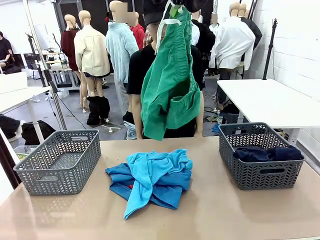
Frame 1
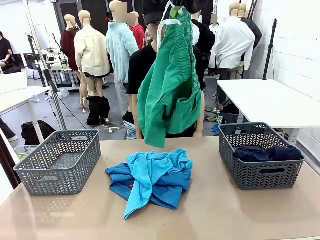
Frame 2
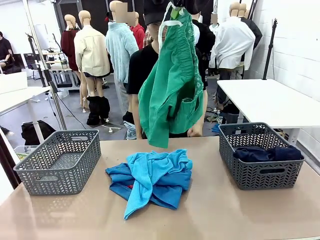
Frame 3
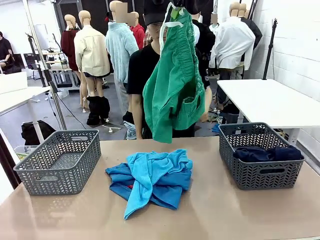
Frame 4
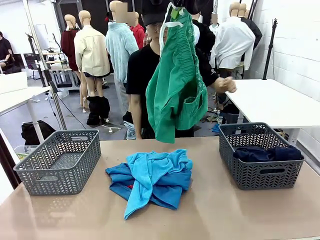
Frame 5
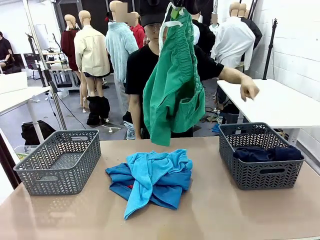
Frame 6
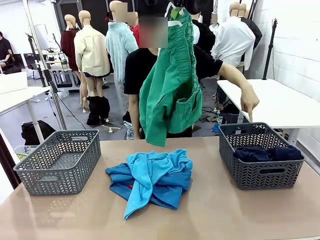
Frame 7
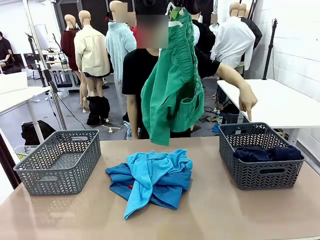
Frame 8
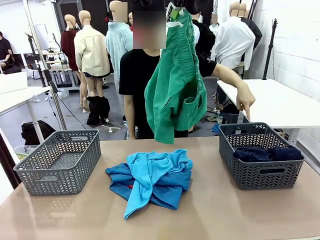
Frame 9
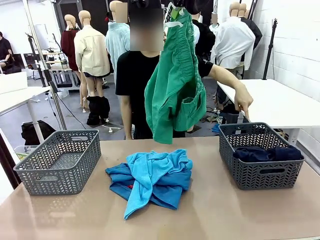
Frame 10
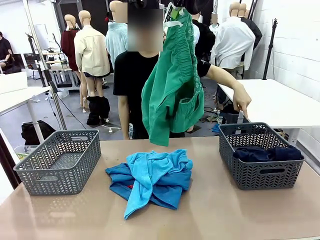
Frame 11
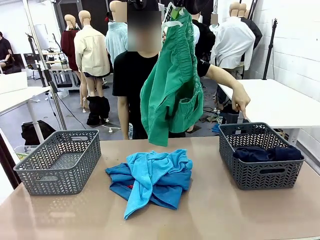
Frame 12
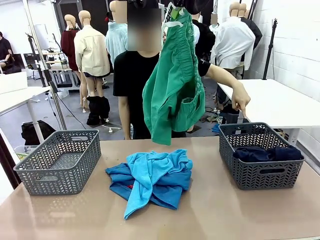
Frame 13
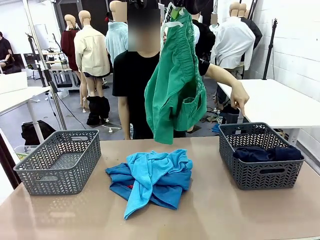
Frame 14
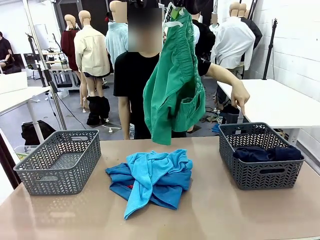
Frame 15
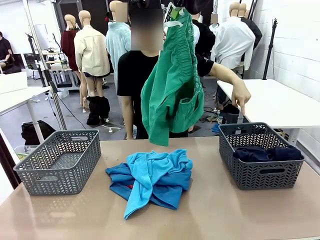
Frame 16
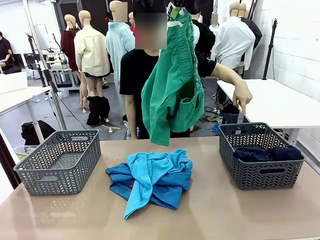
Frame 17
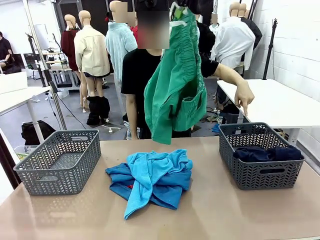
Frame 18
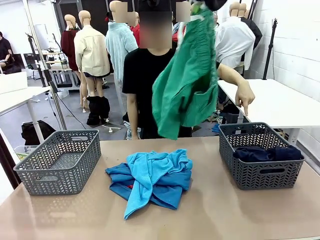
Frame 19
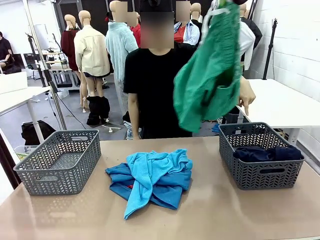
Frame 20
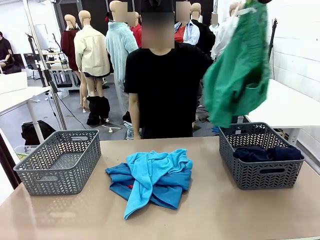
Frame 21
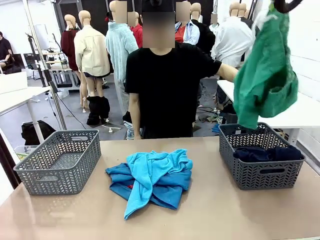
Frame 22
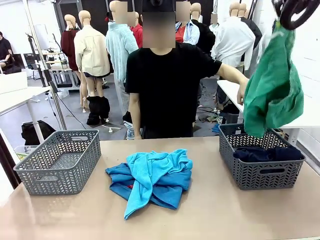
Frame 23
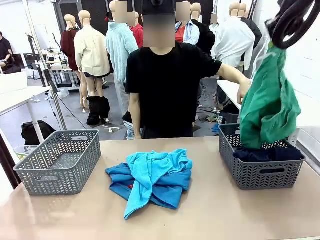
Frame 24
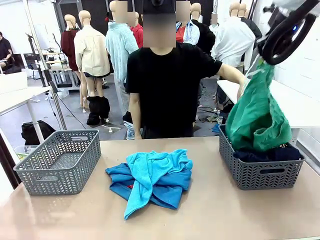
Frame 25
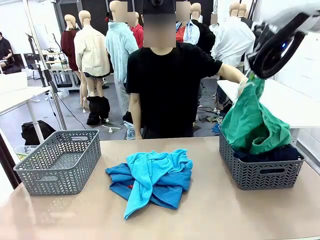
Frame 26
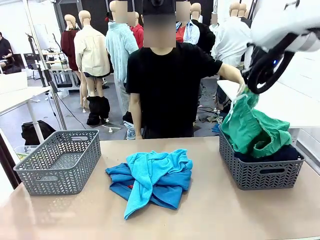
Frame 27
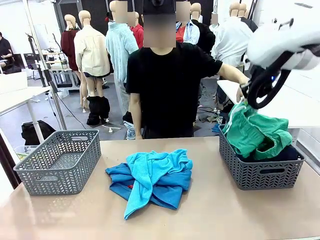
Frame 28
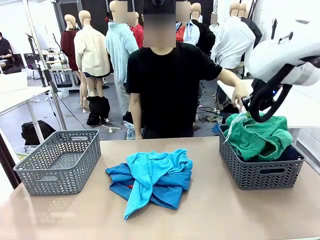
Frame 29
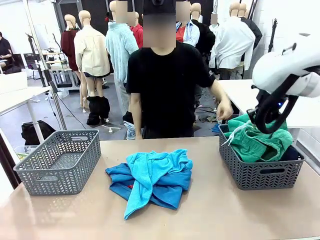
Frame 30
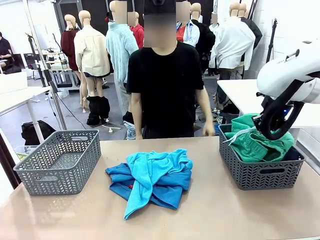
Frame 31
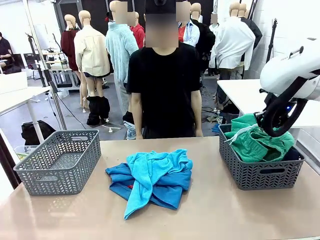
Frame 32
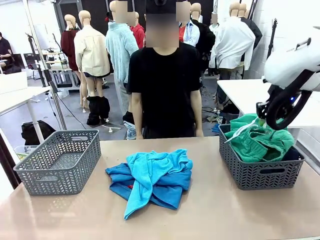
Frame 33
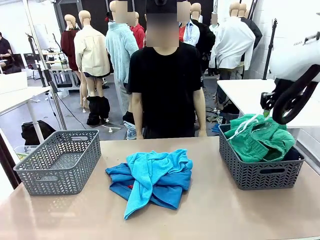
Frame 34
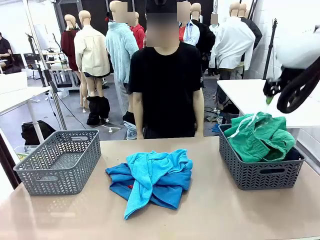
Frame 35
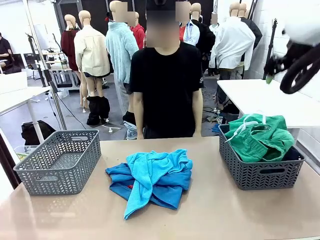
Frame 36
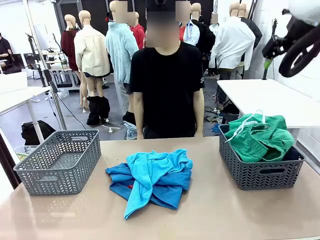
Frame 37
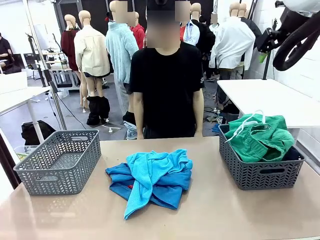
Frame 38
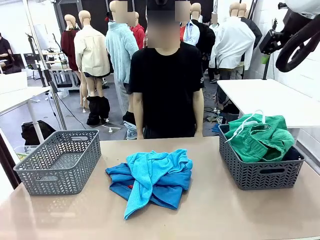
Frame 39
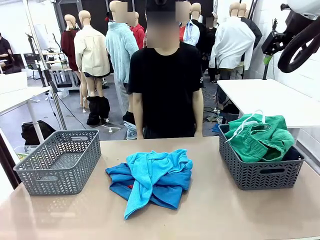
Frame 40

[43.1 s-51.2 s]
Task: Sort the tops and bottoms.
Robot: Sort the clothes according to human instructions.

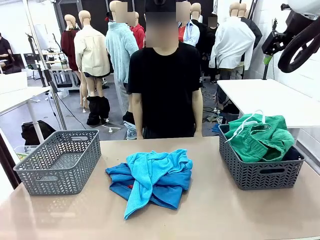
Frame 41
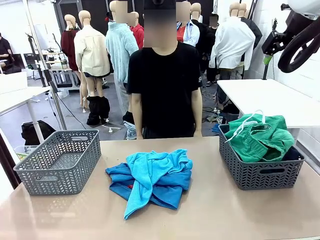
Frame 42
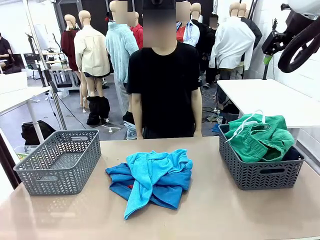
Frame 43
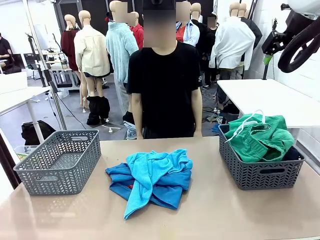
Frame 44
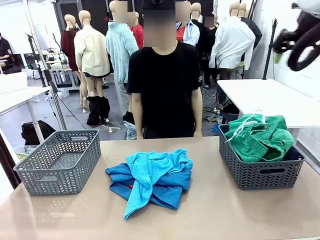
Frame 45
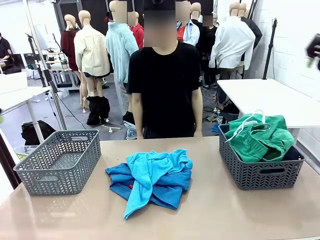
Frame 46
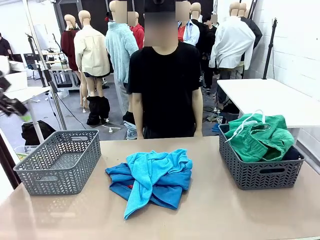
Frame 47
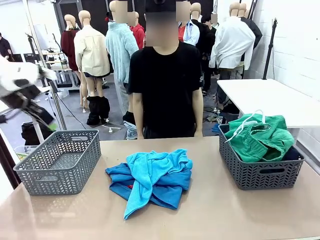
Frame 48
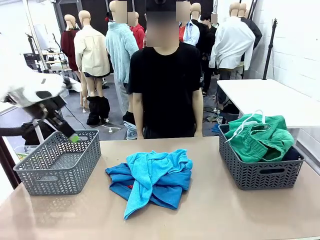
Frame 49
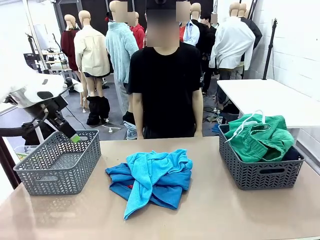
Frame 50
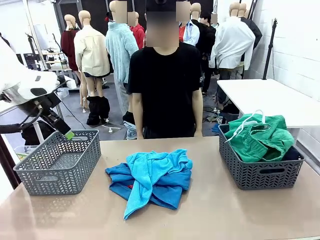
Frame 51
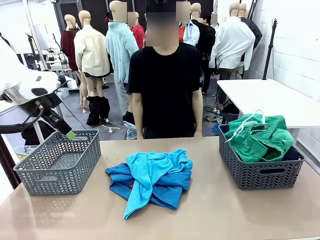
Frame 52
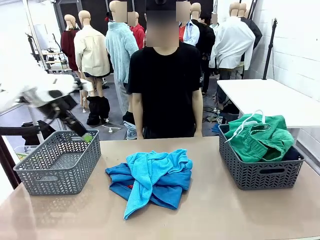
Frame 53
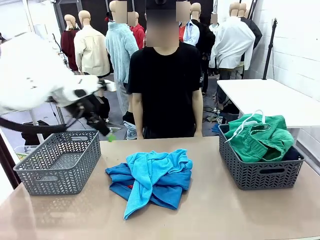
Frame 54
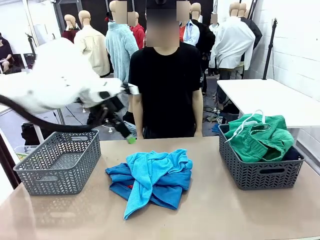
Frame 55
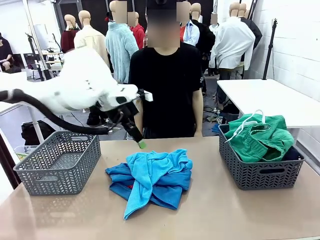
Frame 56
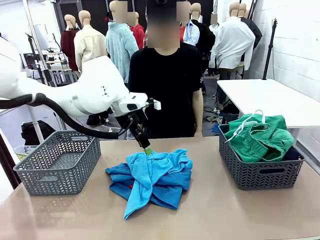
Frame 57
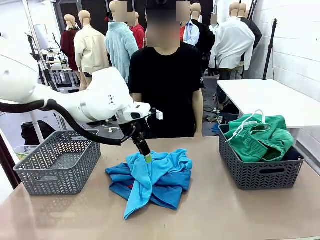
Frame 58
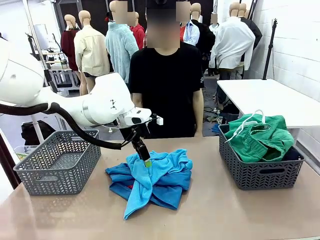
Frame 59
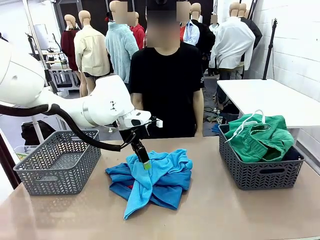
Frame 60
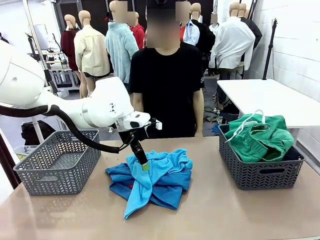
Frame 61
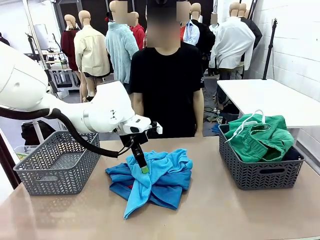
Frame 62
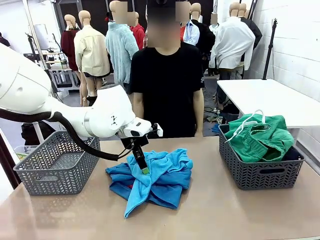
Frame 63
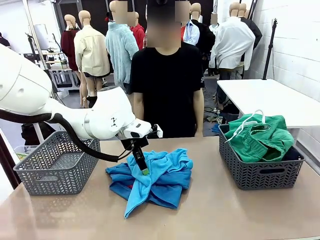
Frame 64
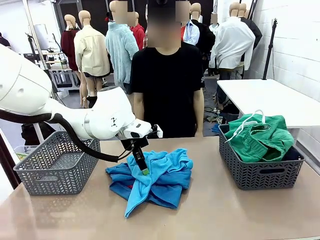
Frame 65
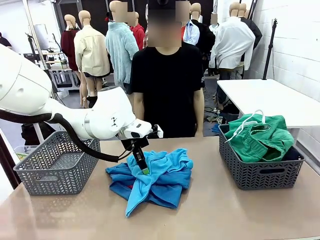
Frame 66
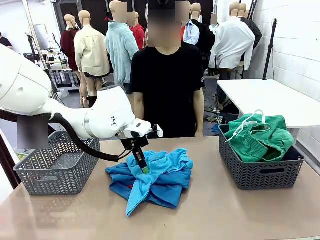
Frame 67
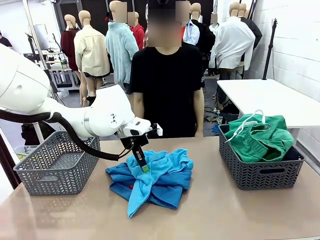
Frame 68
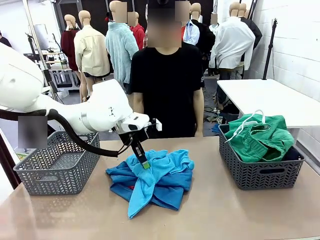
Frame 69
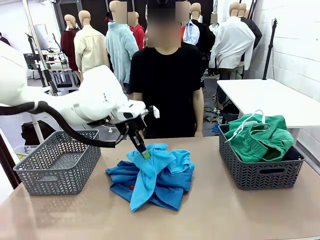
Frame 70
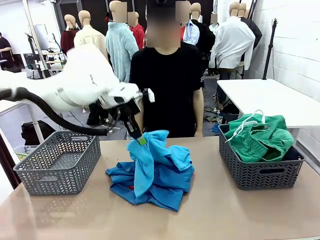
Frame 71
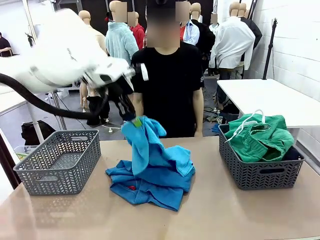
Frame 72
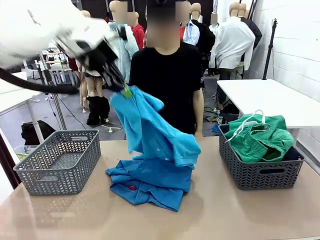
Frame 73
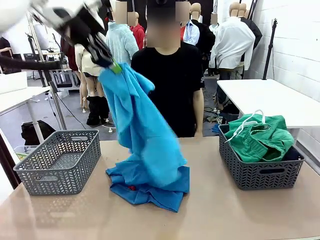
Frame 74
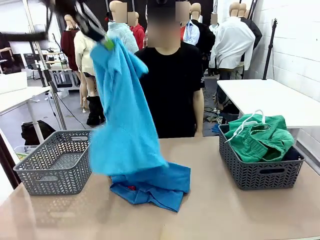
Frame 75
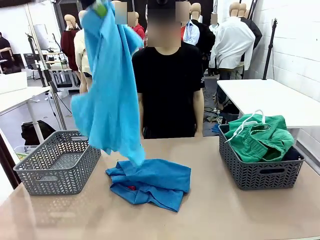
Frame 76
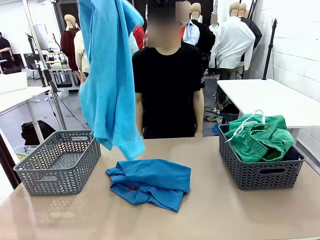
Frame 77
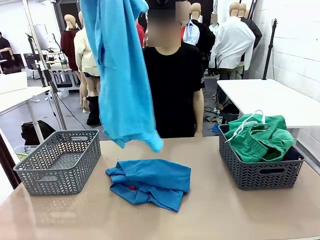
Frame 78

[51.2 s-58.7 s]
Robot: Lift clothes from the center of the table with your left hand.

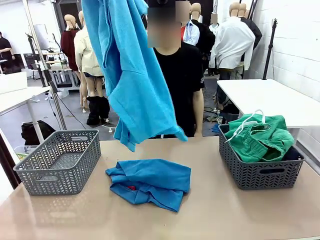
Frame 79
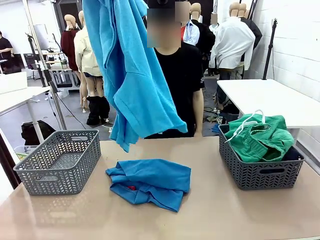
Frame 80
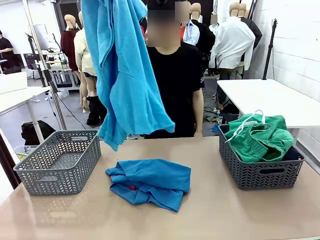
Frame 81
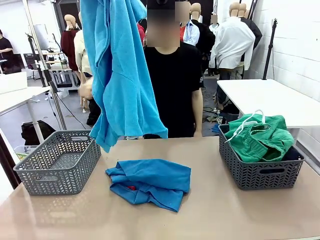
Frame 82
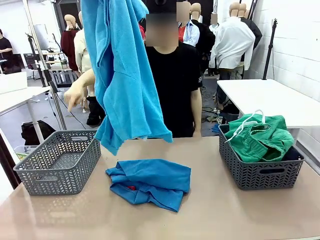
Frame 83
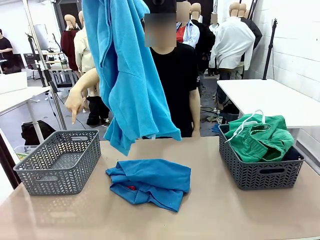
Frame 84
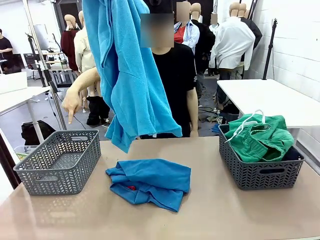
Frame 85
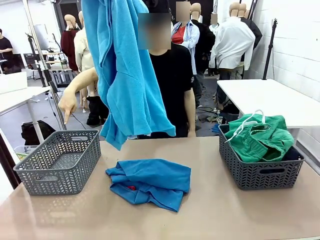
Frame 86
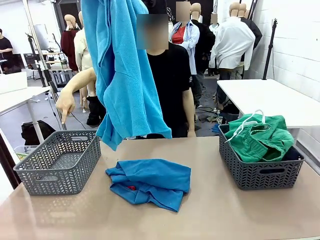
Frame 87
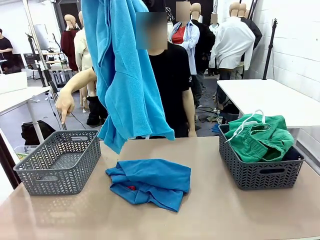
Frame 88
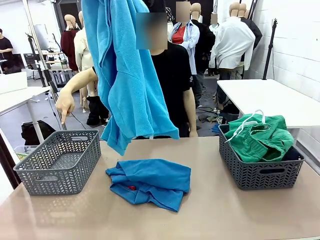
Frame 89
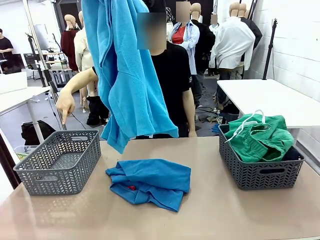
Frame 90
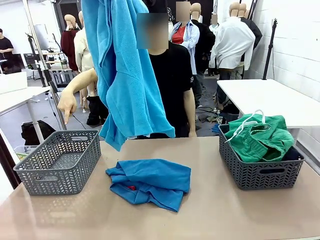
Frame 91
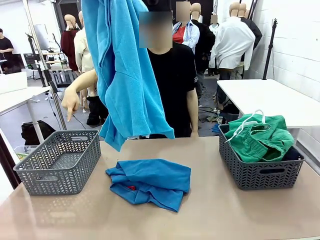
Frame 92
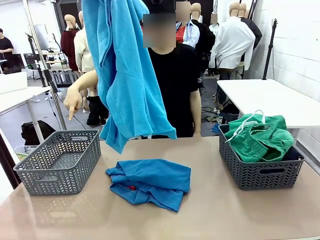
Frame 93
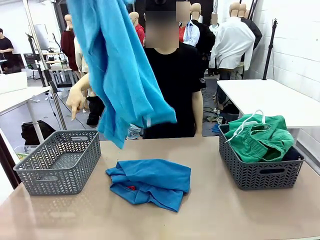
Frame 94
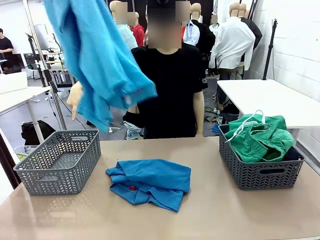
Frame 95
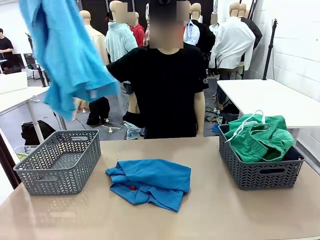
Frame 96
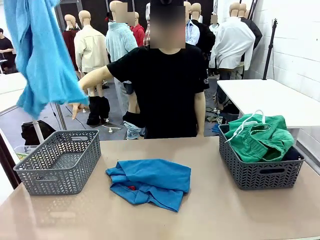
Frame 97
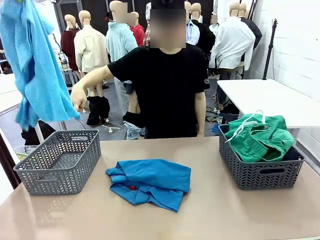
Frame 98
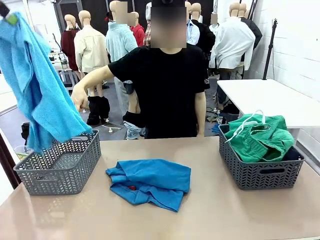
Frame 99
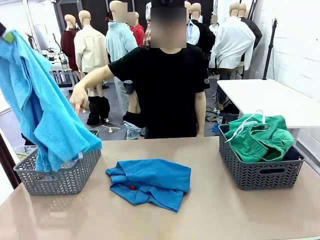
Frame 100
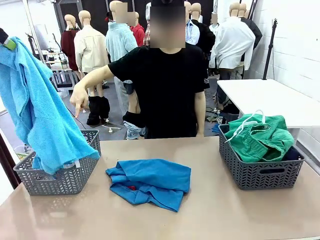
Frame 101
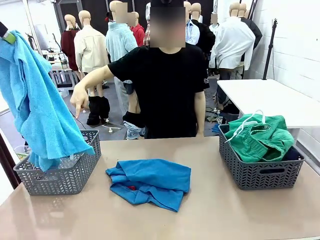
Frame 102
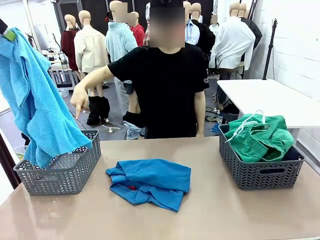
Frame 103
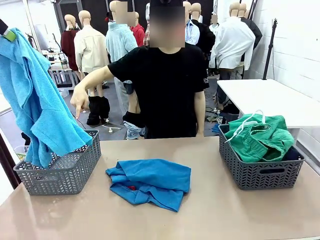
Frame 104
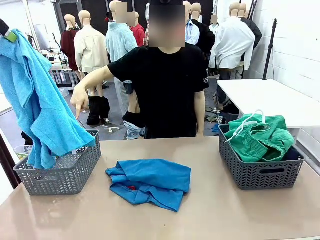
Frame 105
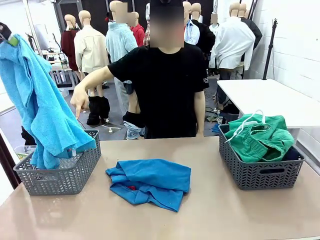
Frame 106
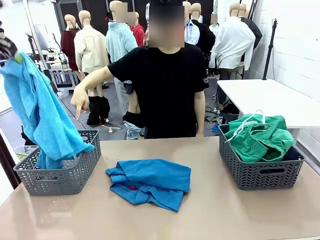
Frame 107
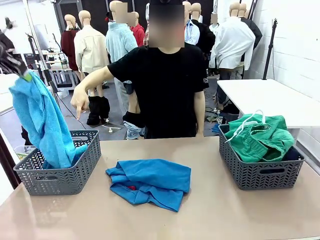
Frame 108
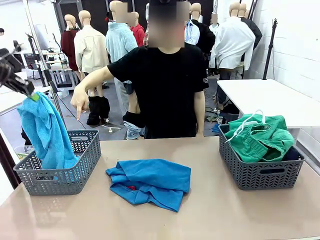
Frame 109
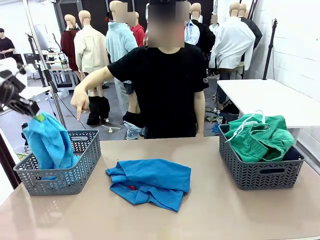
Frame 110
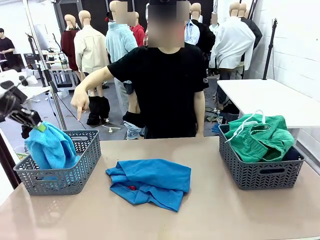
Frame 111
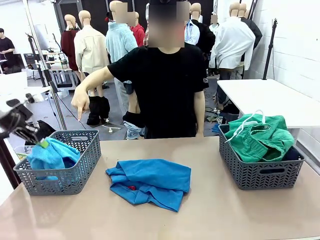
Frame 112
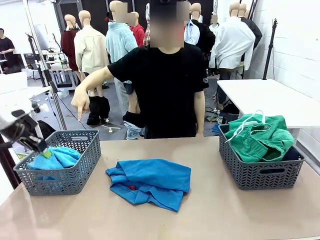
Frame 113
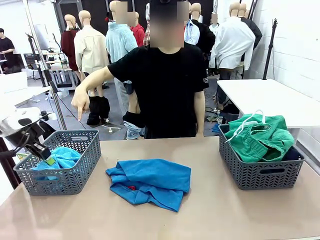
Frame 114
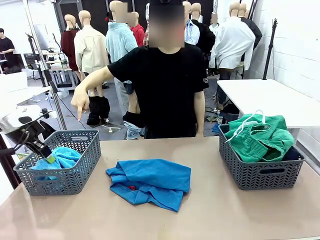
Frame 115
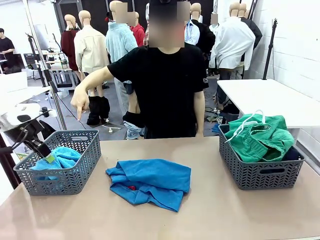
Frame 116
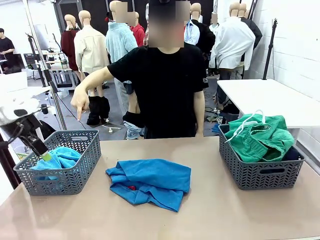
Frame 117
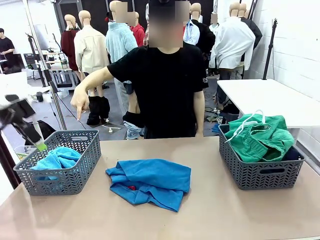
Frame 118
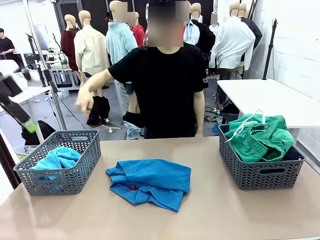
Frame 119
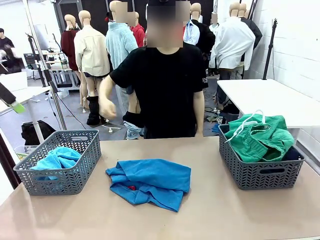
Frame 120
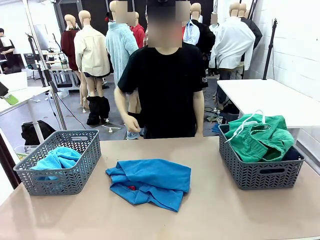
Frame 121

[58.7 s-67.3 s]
Robot: Sort the clothes according to human instructions.
